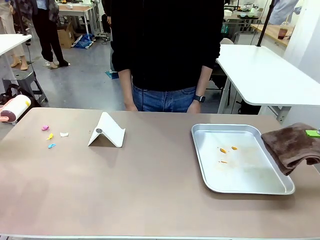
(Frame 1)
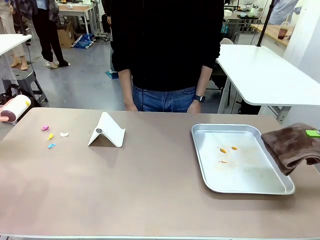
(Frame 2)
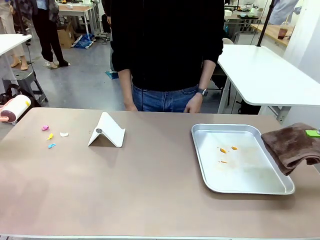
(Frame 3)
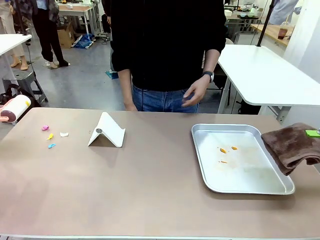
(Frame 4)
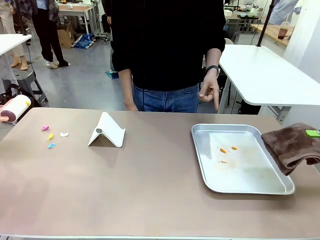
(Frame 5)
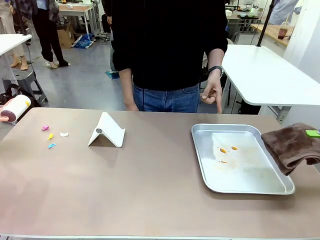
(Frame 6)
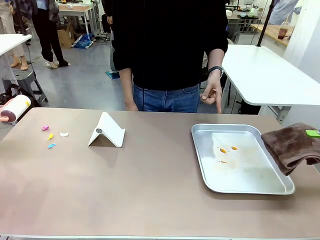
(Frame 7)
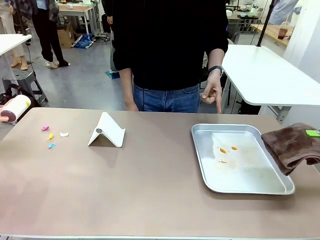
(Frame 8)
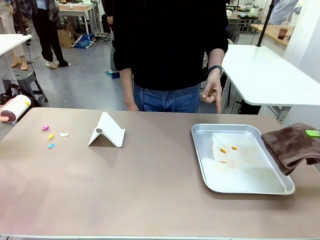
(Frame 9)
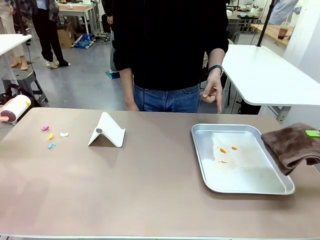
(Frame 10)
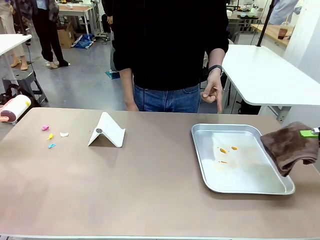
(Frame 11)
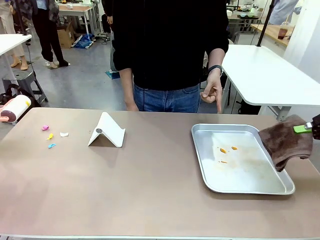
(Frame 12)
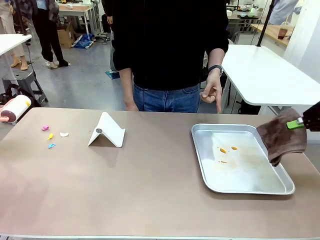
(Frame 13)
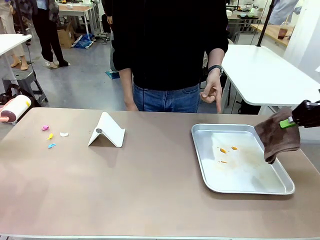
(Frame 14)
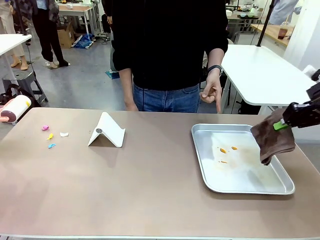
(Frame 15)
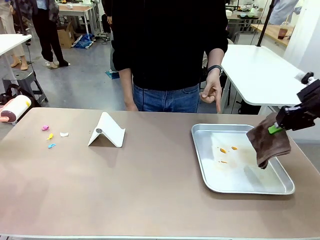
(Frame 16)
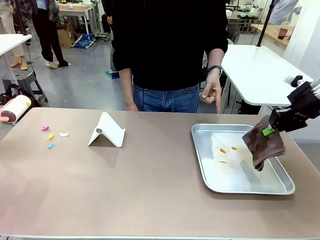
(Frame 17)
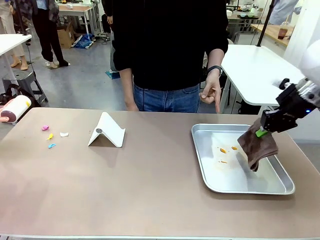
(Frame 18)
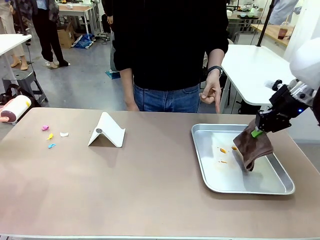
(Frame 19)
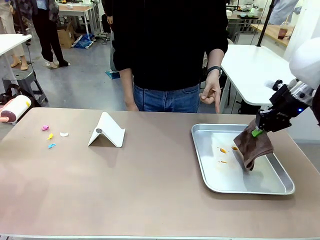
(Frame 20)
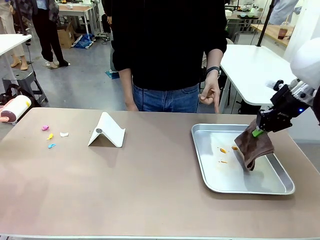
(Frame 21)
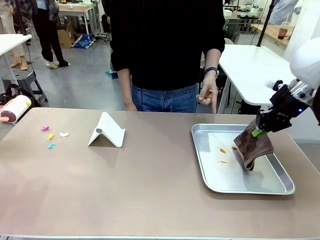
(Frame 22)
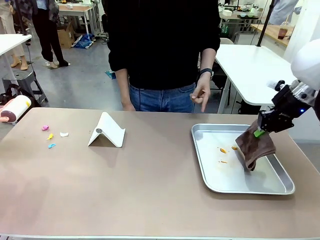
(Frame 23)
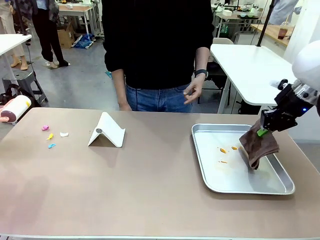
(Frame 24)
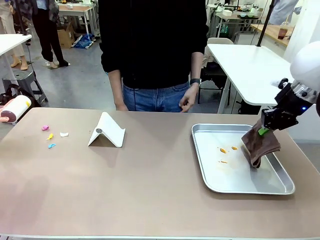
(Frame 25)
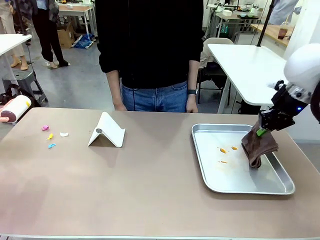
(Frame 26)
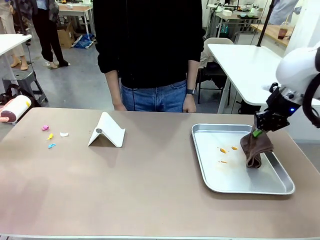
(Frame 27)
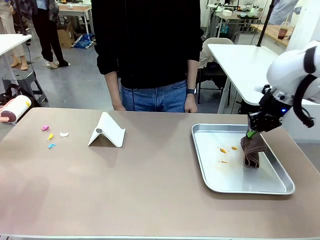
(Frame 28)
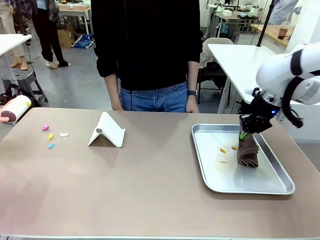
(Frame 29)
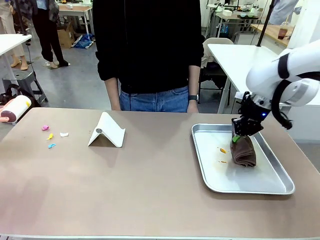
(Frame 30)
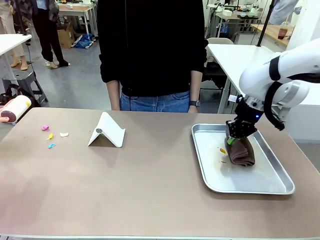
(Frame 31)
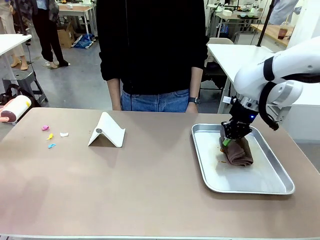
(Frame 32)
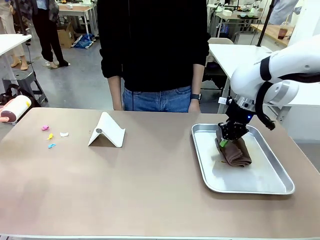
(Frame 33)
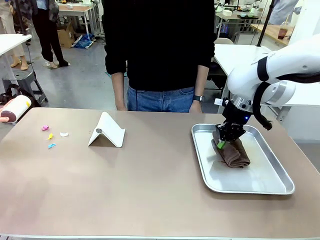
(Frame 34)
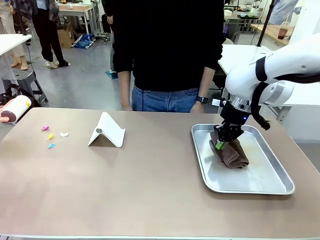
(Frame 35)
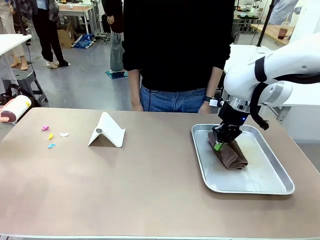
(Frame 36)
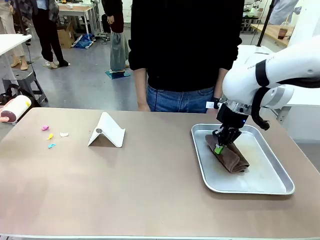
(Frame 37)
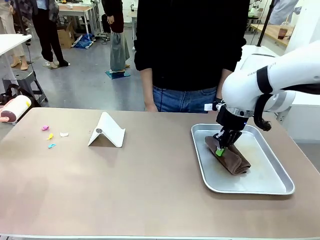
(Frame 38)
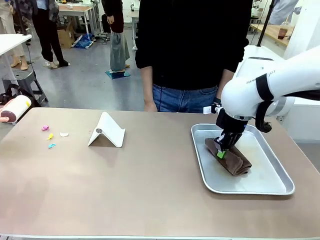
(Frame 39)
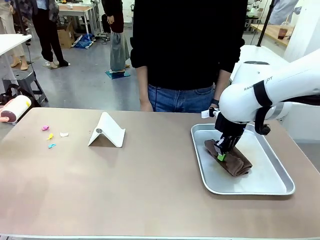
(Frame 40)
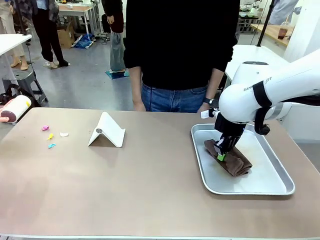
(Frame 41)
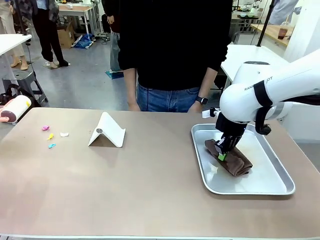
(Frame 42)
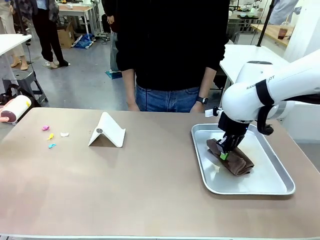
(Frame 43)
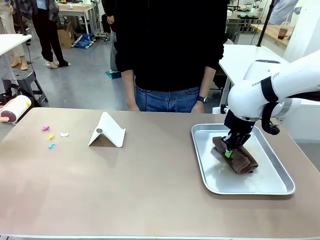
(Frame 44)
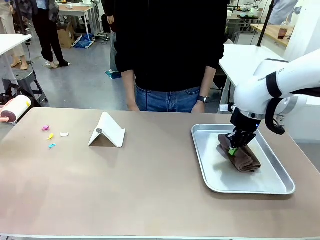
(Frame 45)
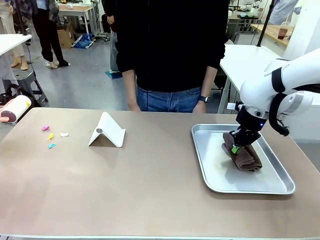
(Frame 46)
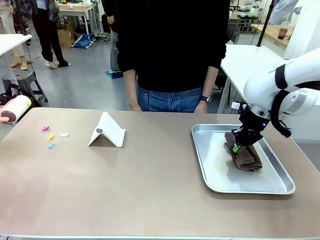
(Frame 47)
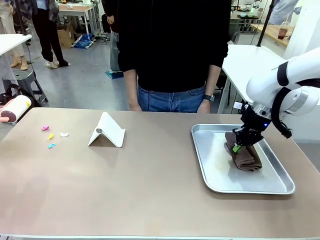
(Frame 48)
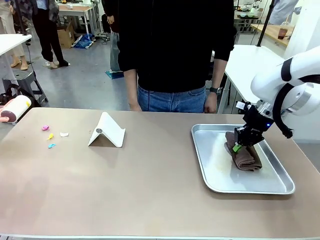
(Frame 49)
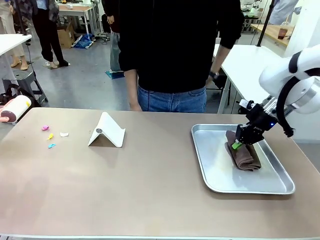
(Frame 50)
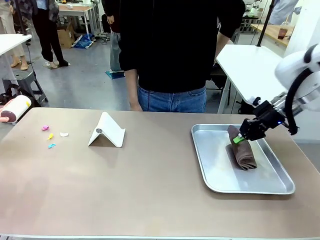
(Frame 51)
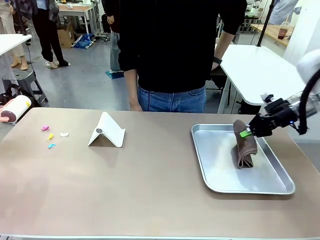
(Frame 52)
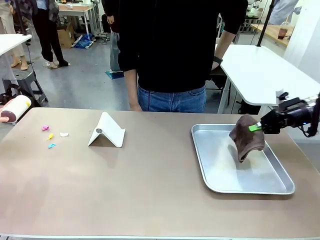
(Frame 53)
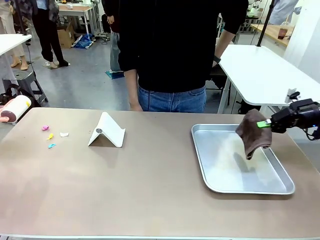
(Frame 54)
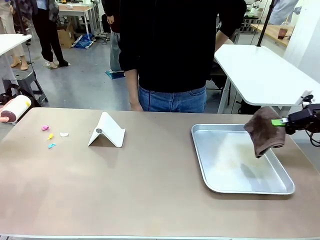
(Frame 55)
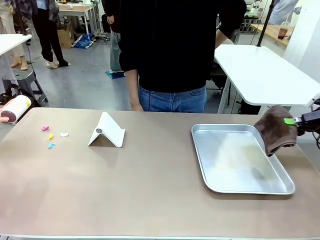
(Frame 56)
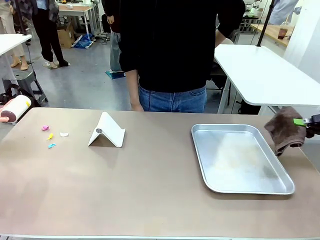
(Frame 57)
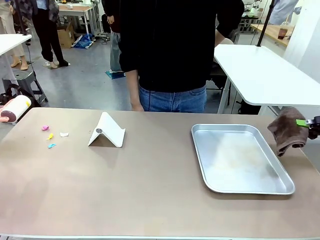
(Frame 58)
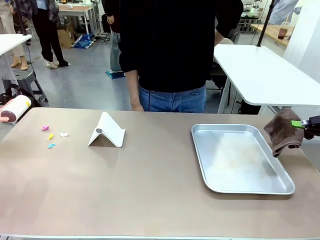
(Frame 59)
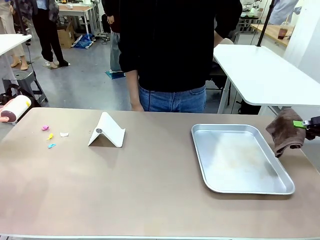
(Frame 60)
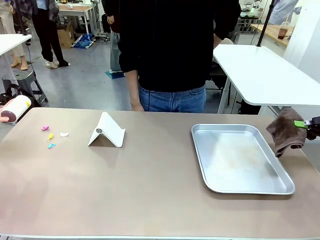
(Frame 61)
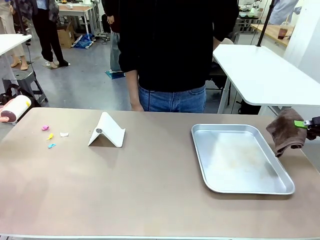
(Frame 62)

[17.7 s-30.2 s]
Task: Clean the surface of the table.
Robot: If a person points to the right, clean the right side of the table with your right hand, and if they point to the left, clean the left side with your left hand.

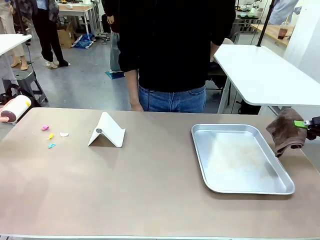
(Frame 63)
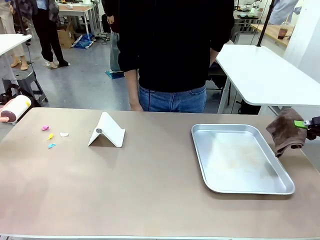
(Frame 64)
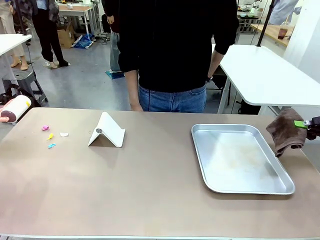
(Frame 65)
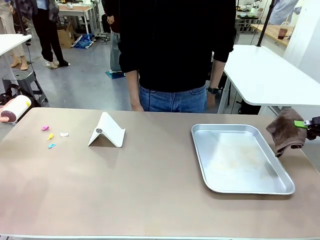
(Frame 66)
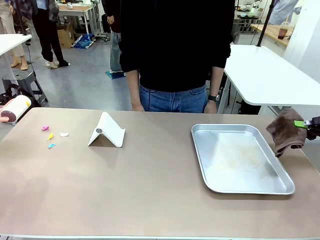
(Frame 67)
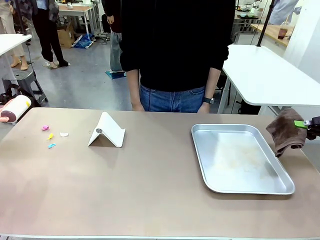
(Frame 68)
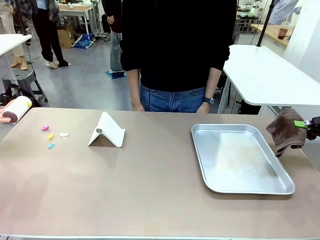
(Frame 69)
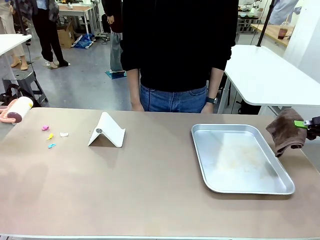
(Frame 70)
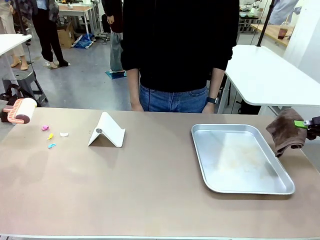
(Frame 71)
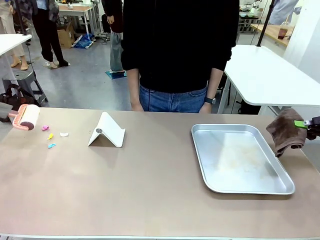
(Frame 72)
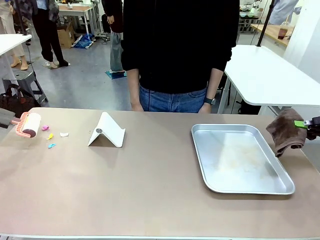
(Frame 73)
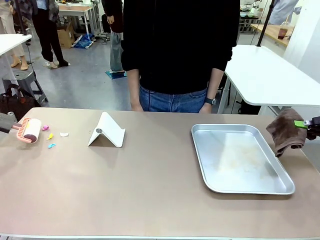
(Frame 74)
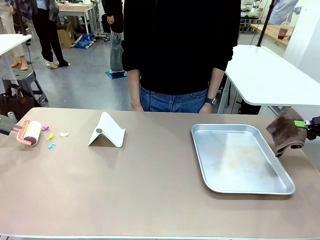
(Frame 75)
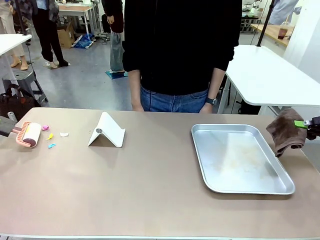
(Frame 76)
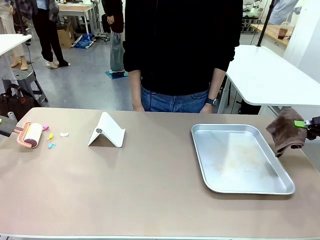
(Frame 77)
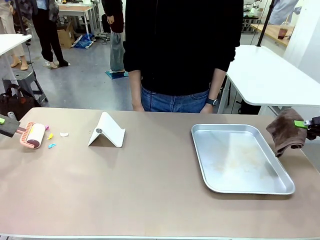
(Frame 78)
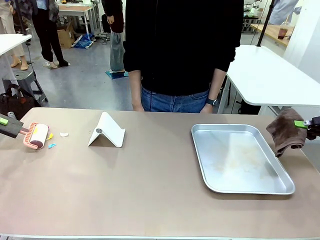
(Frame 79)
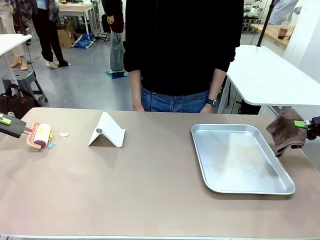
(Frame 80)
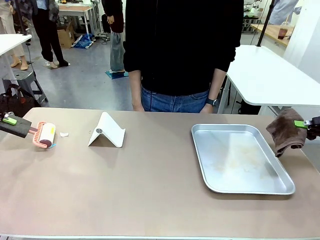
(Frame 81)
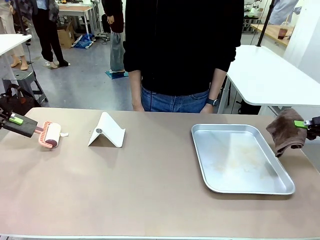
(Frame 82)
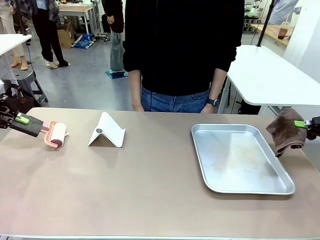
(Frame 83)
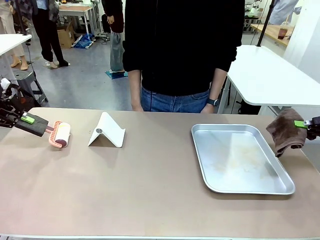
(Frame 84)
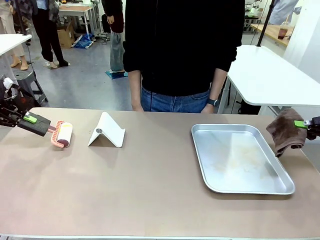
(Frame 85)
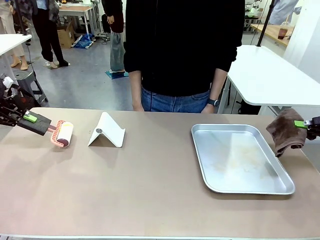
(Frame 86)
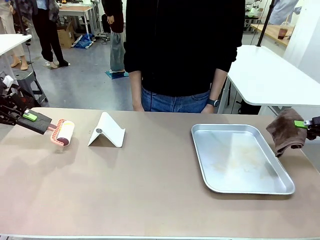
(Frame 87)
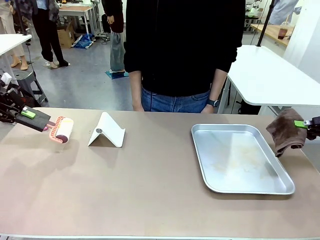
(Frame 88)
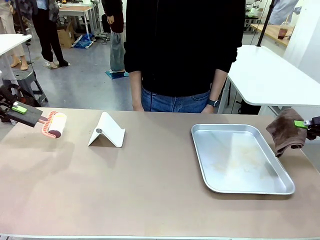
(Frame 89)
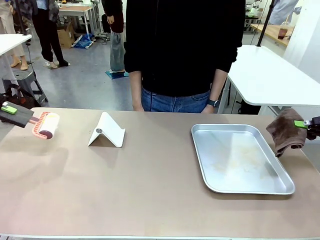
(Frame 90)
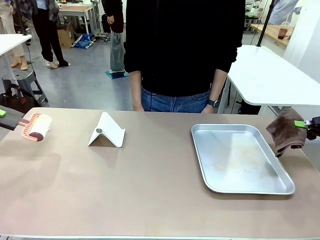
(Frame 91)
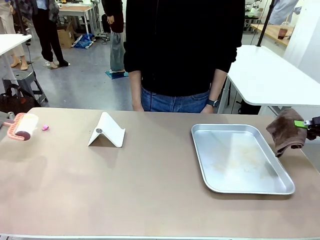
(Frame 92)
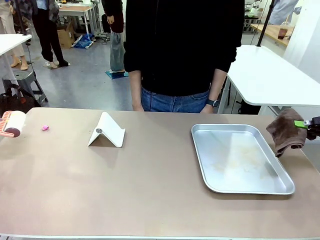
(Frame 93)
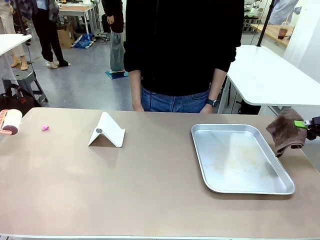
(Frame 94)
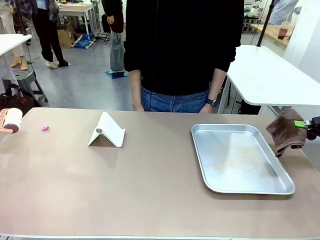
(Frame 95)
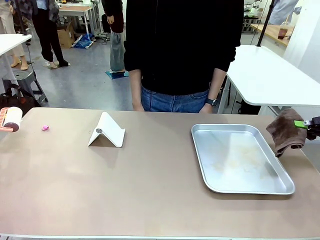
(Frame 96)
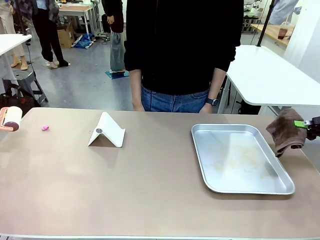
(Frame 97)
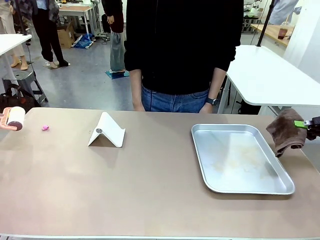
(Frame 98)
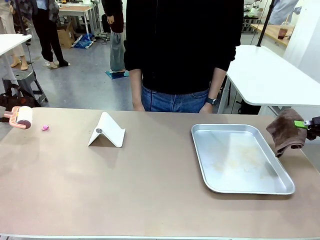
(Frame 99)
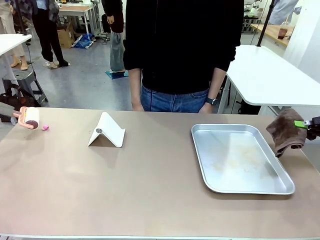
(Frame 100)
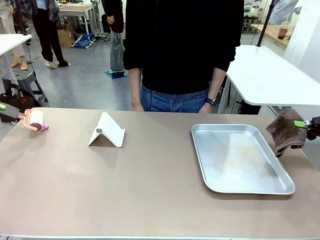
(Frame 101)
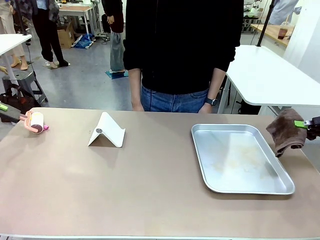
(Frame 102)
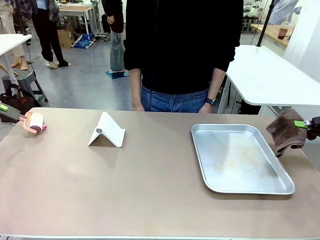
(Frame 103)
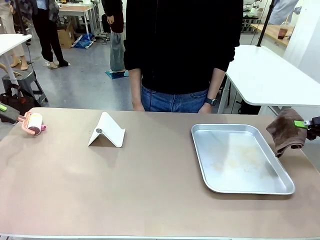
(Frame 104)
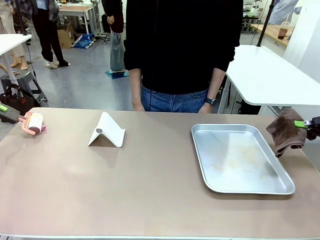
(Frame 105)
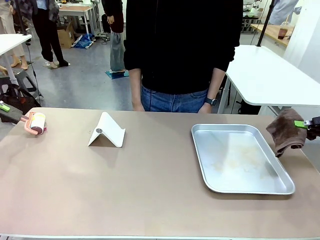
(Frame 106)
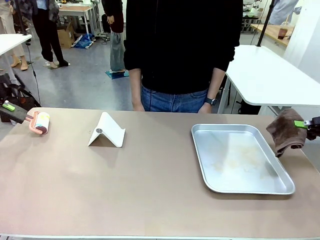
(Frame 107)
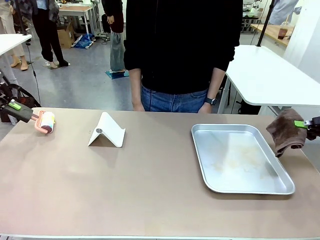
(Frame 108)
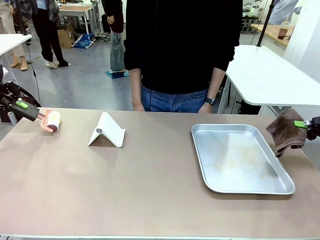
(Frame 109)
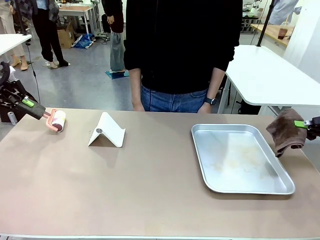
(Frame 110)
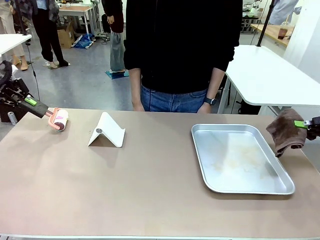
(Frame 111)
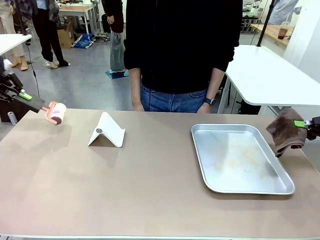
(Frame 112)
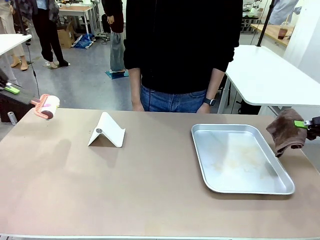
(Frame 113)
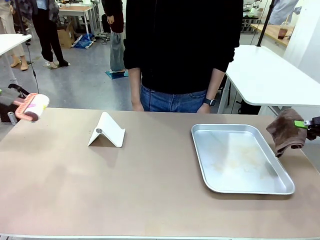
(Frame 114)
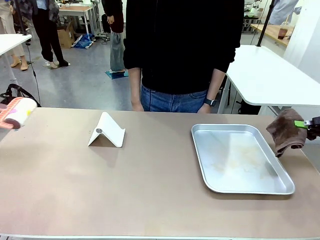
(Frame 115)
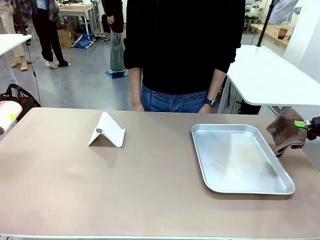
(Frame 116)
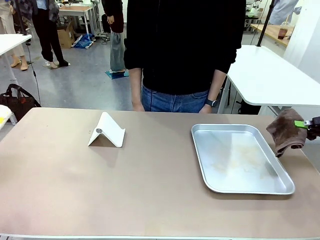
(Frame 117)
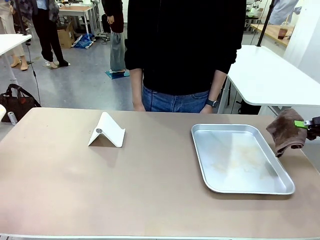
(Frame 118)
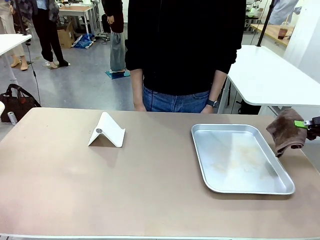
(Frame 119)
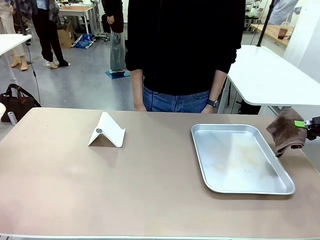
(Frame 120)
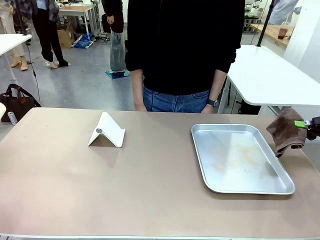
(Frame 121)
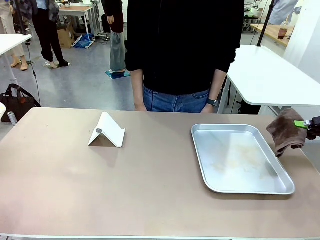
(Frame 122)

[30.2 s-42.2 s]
Robot: Clean the area not pointed to by the person.
